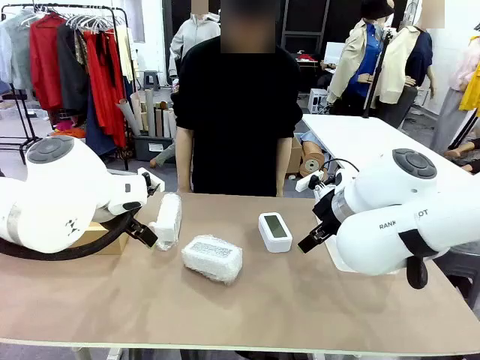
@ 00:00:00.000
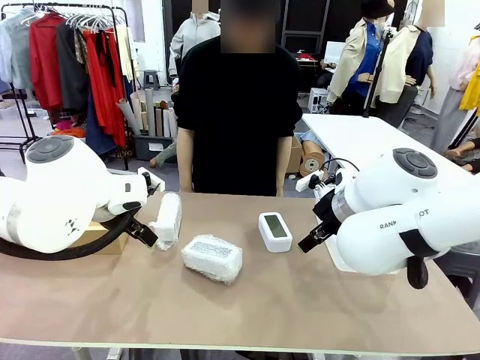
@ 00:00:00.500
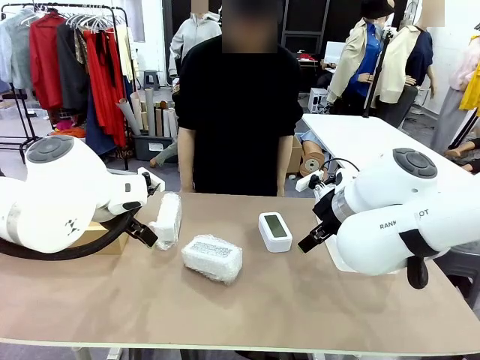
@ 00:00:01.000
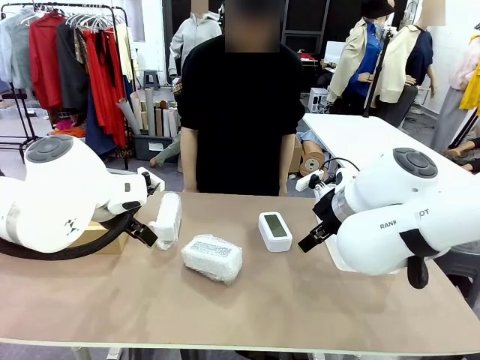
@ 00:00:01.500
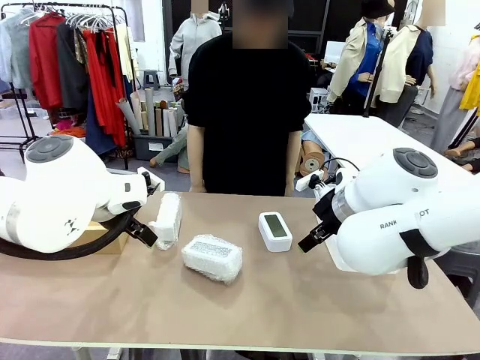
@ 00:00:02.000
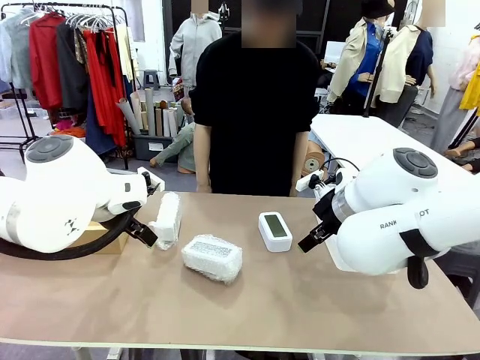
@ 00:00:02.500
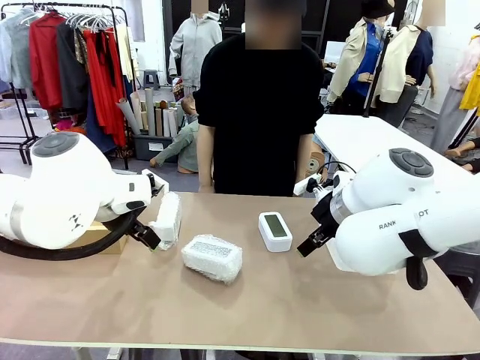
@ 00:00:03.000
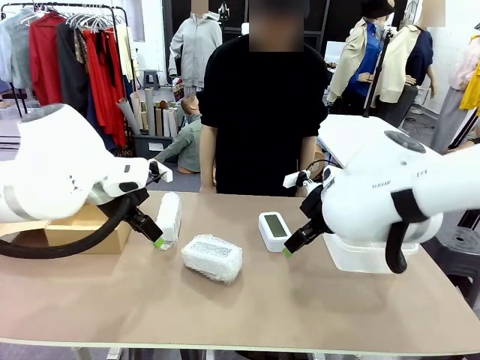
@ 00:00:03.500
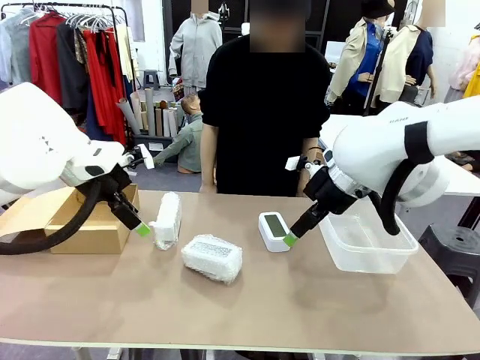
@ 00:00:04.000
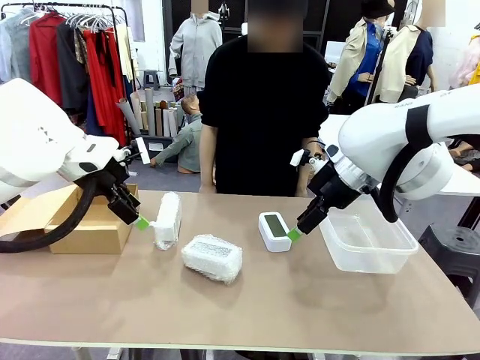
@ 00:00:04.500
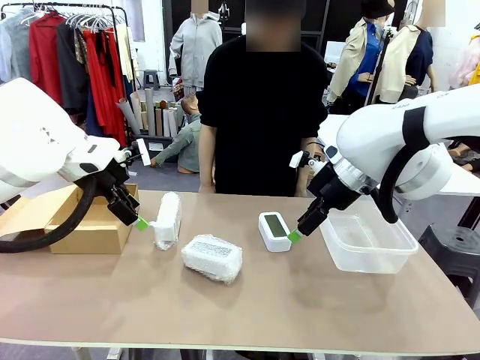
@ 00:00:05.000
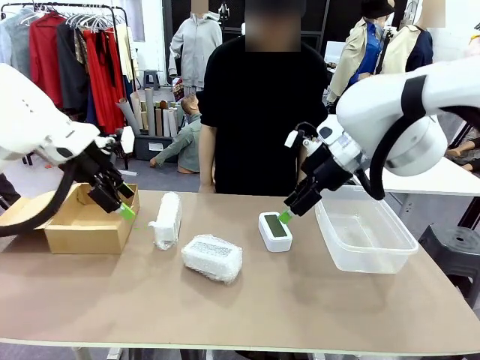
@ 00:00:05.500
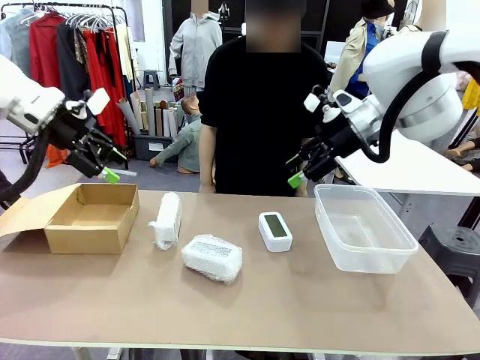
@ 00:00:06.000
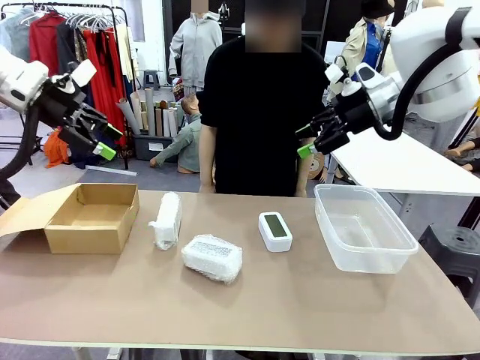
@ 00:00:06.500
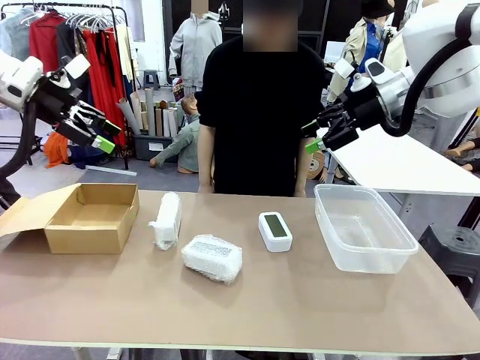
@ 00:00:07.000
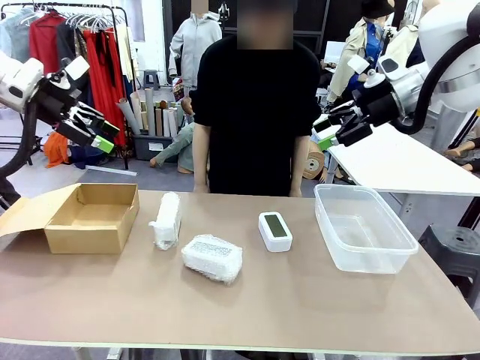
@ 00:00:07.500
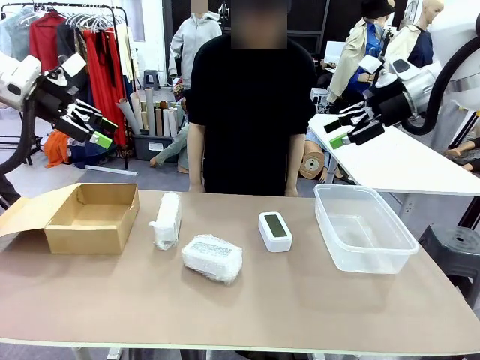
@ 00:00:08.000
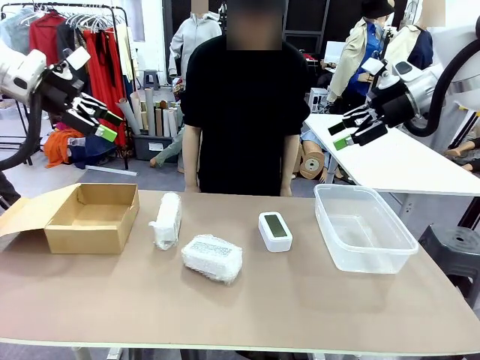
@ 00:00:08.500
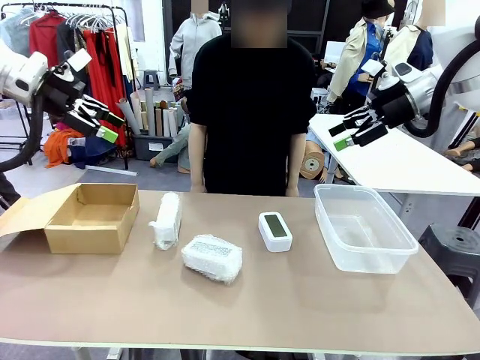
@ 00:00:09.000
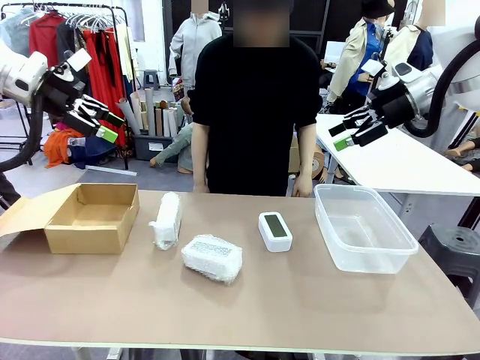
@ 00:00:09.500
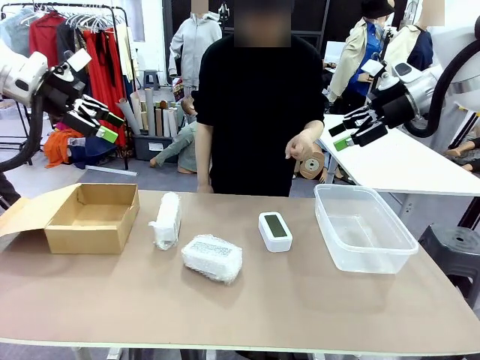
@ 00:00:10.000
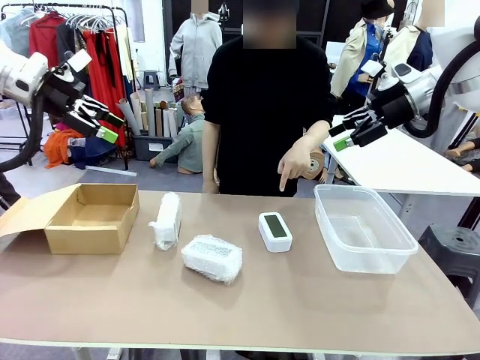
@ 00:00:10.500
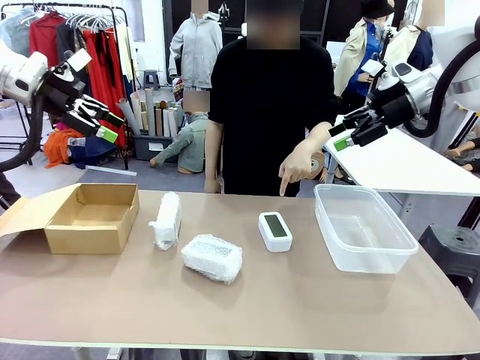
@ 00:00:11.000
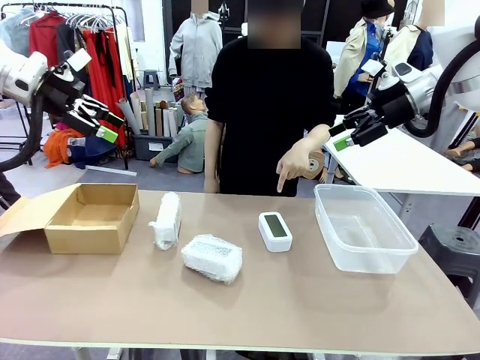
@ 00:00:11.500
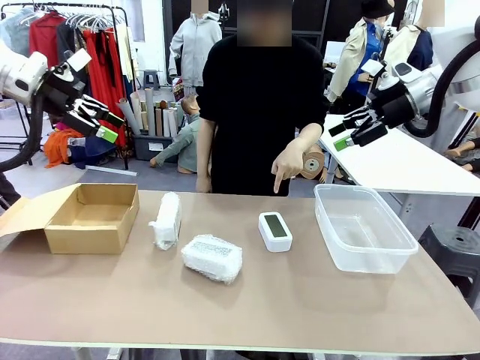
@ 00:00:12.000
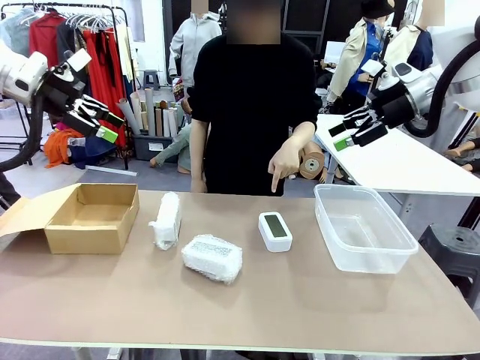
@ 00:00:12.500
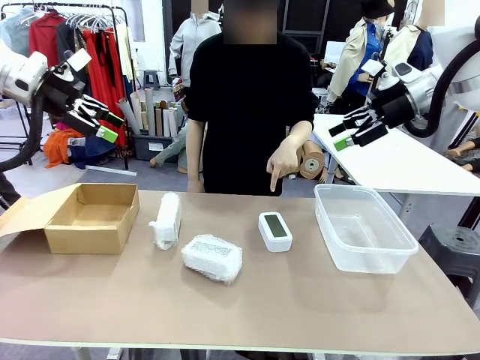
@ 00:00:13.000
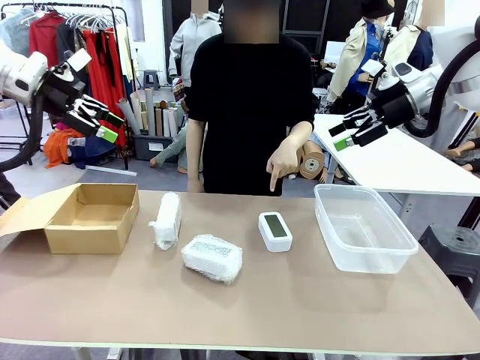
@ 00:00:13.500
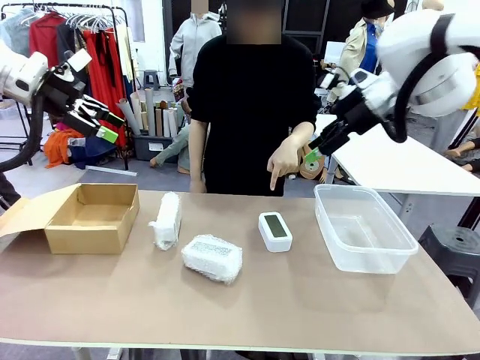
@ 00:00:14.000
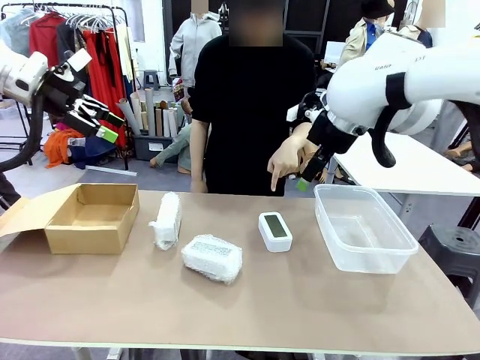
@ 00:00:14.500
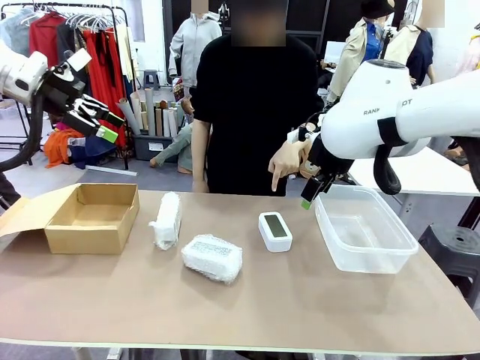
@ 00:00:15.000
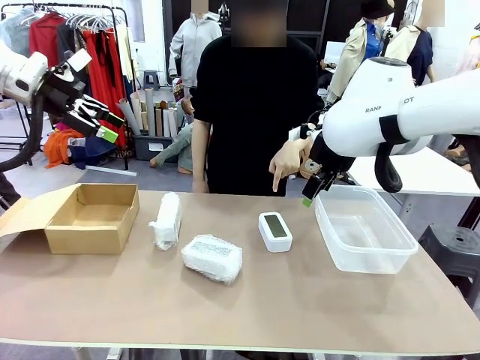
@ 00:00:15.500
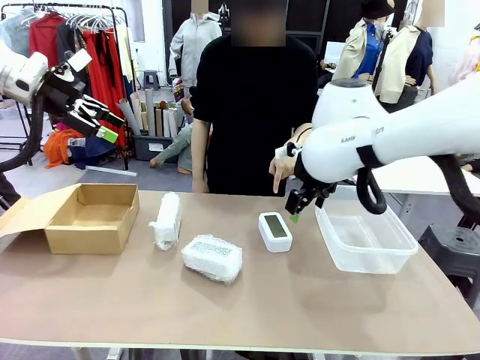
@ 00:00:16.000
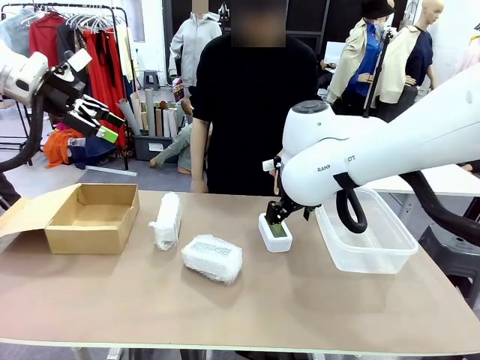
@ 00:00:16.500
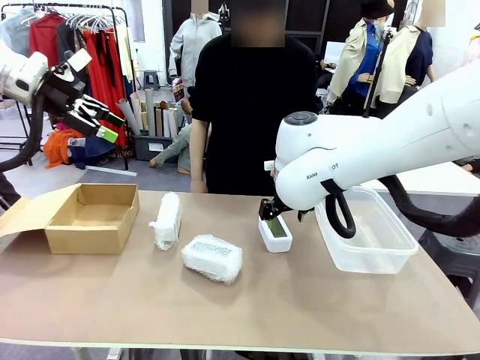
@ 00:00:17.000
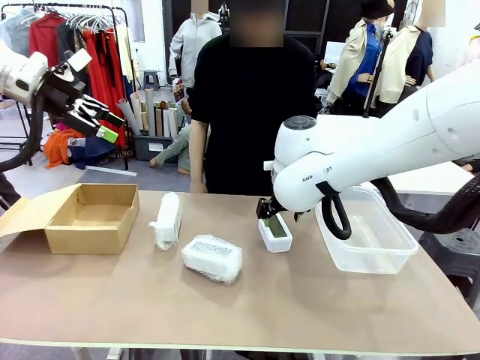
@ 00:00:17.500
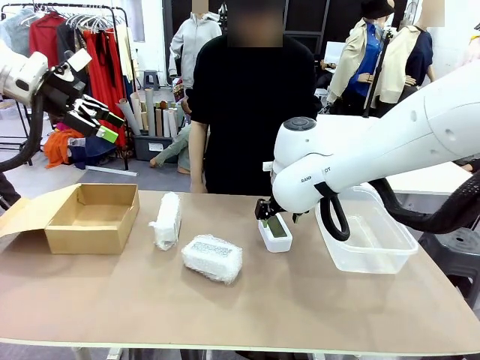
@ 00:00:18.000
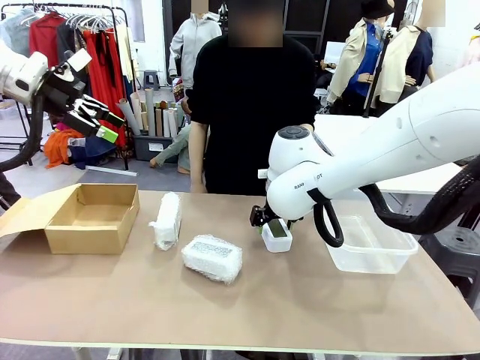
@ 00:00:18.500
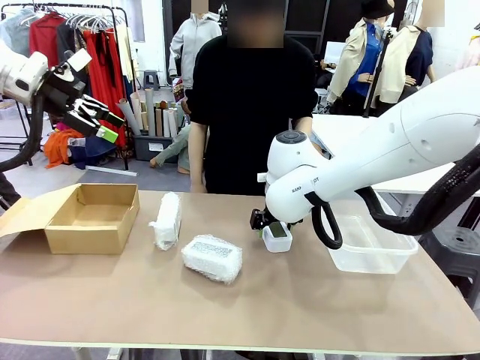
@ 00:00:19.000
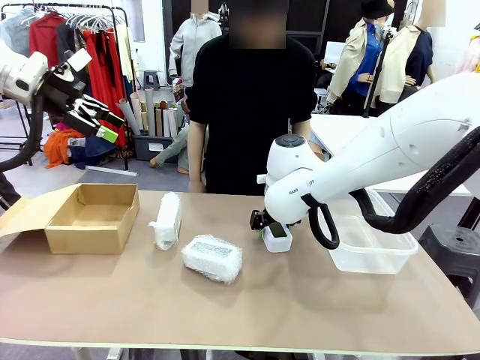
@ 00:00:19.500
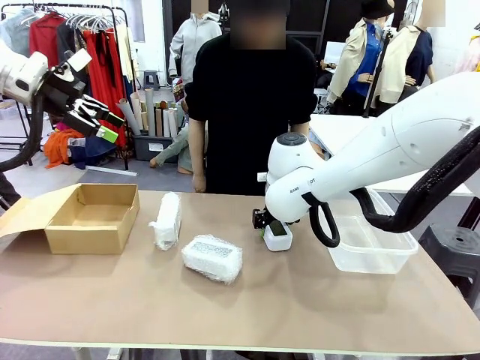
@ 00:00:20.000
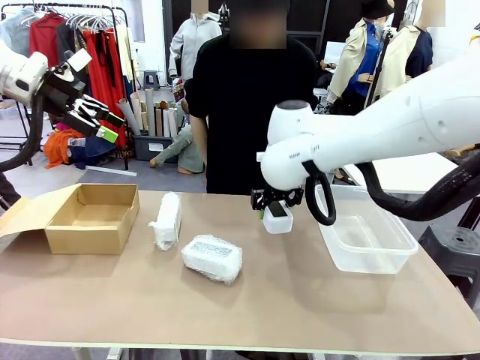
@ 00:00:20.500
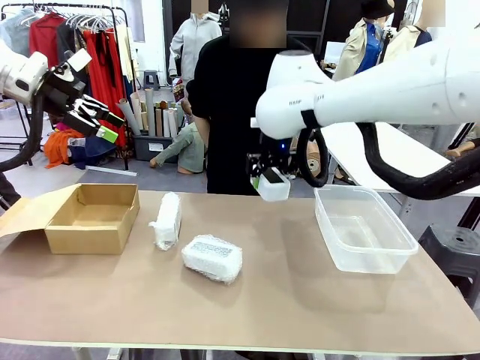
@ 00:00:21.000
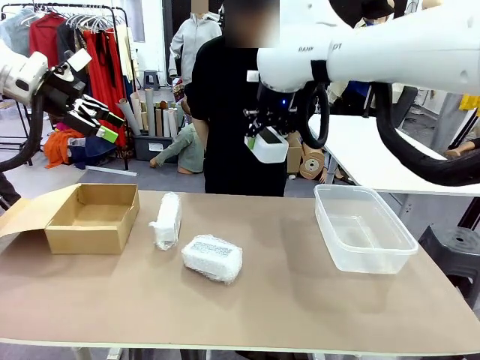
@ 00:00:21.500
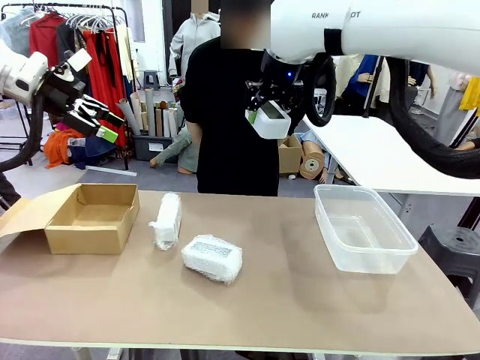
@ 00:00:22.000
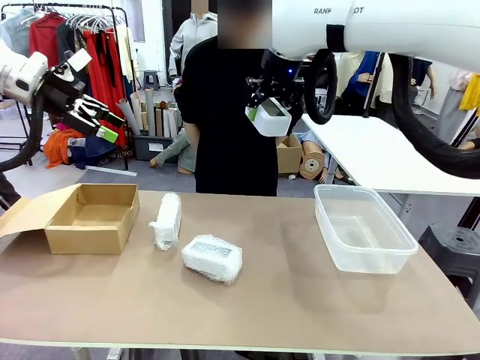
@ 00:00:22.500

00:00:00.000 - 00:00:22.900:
Task: Separate and place wrapped and unwrapped clocks.
Robot: Pick up the Digital clock indicated by the person.
